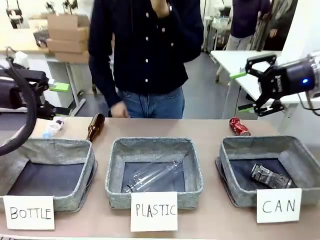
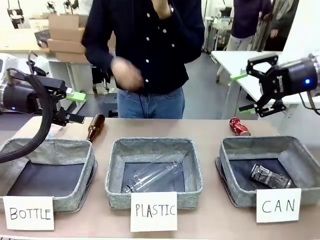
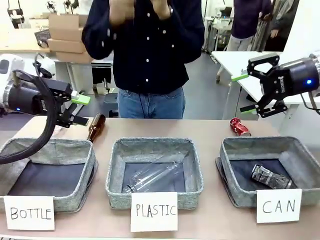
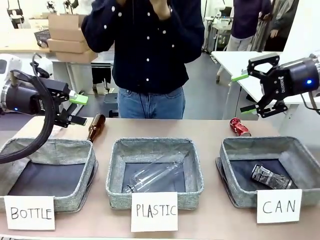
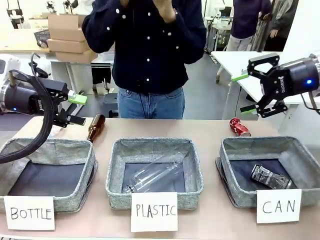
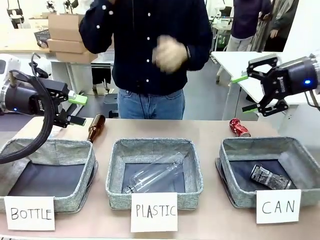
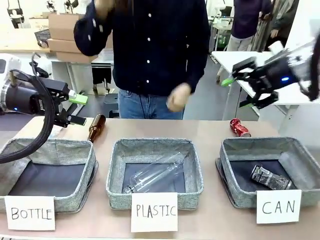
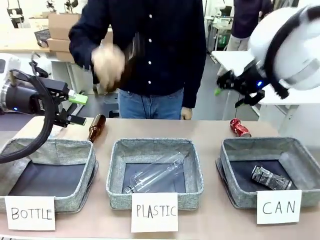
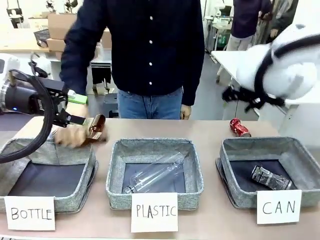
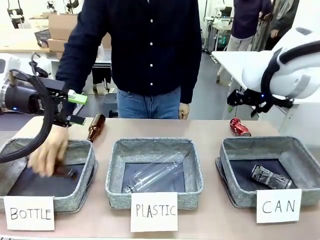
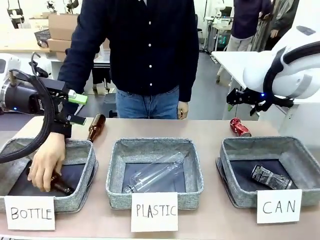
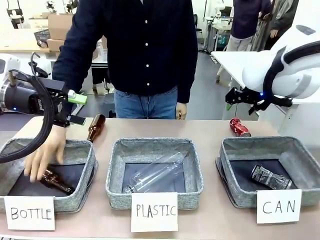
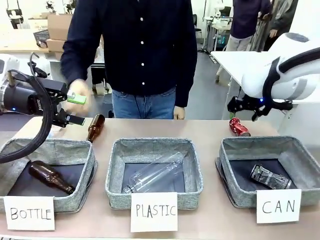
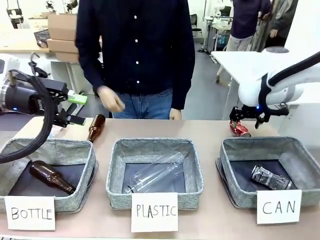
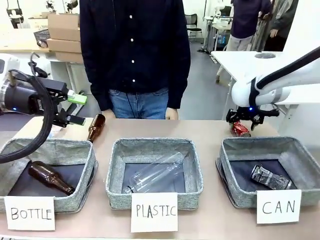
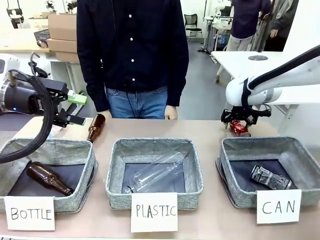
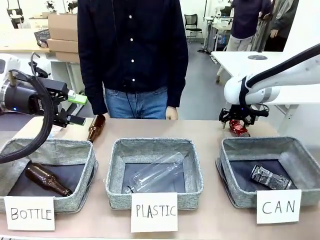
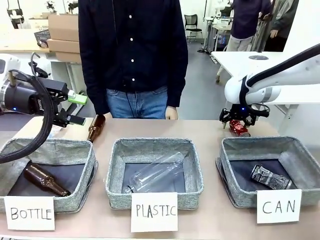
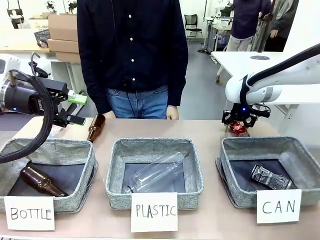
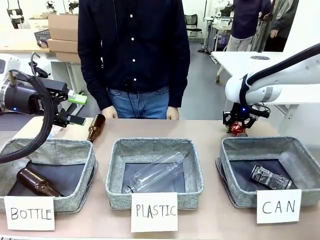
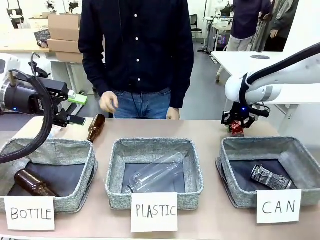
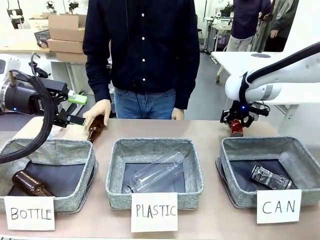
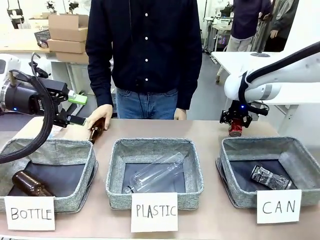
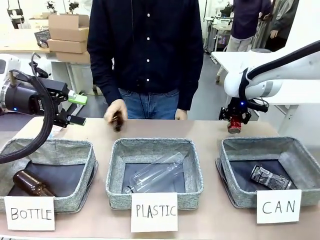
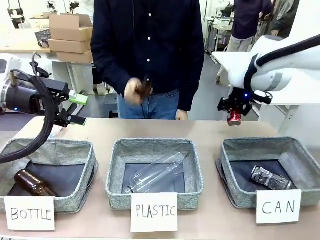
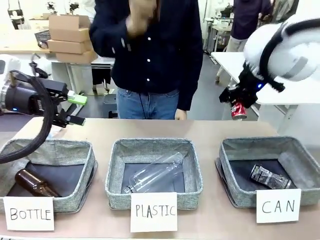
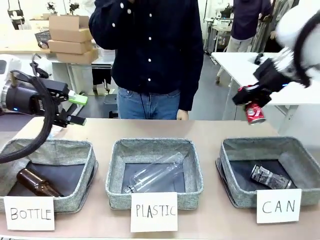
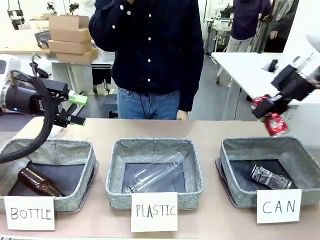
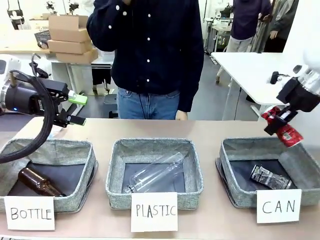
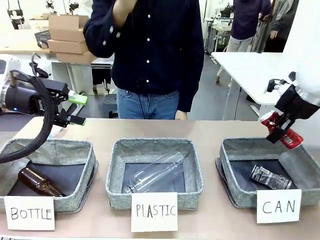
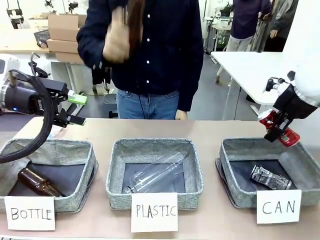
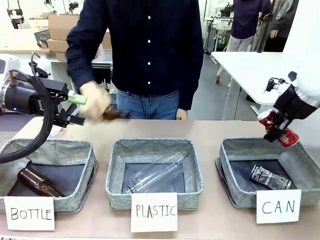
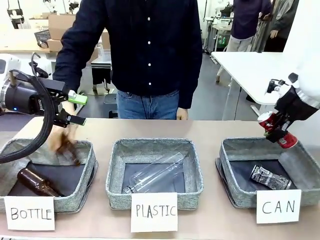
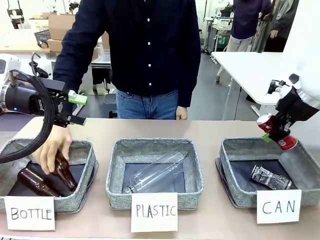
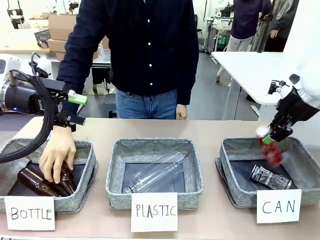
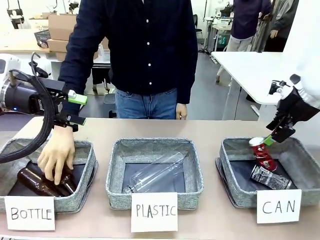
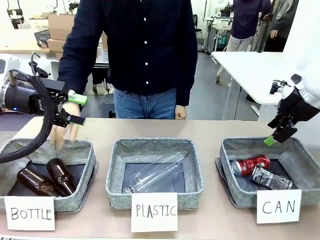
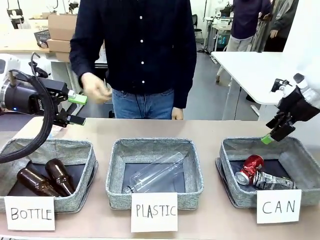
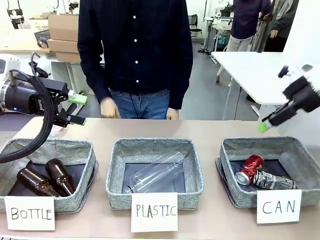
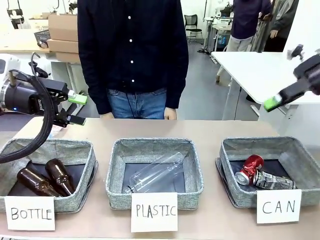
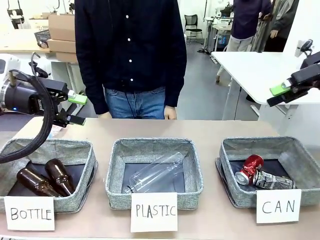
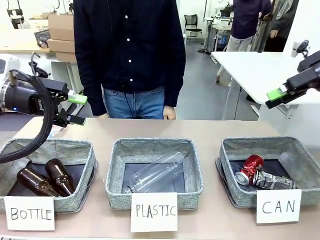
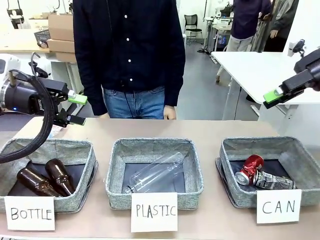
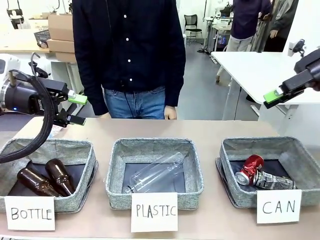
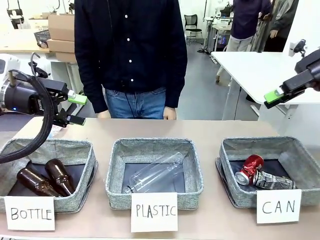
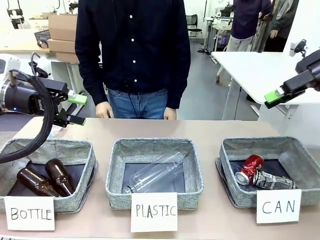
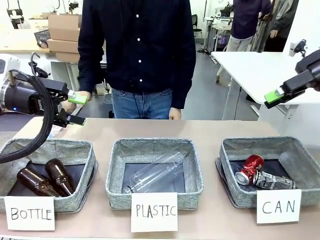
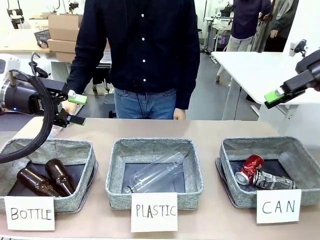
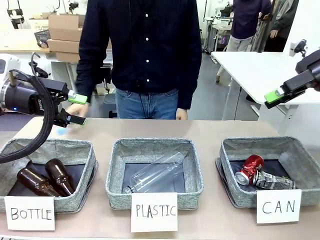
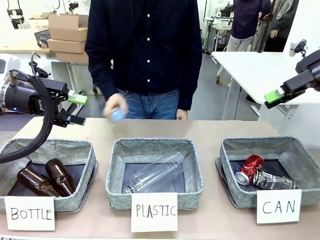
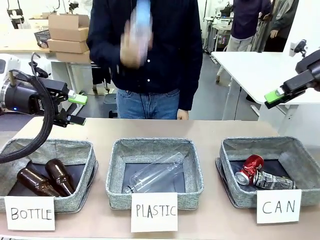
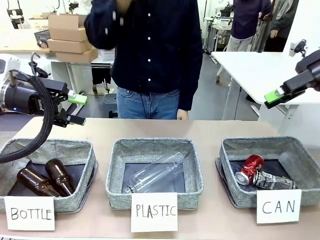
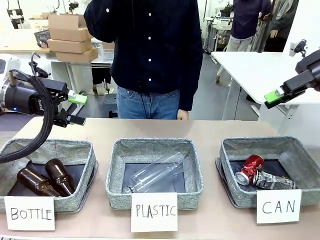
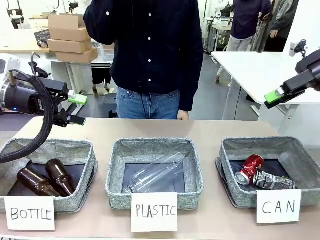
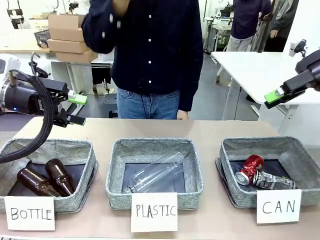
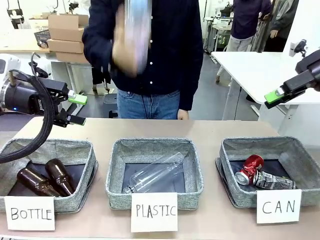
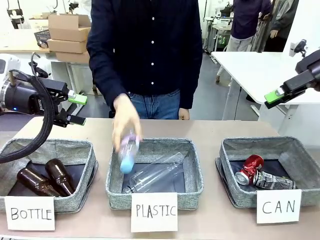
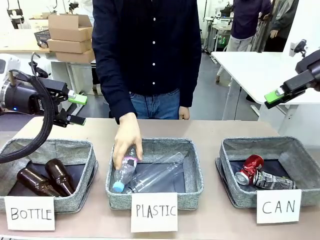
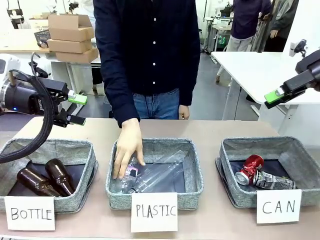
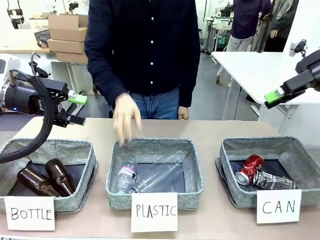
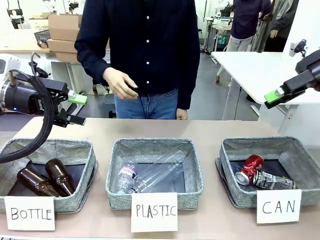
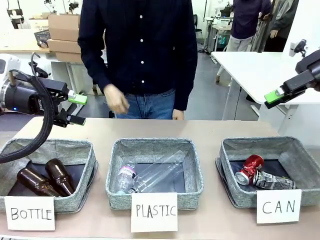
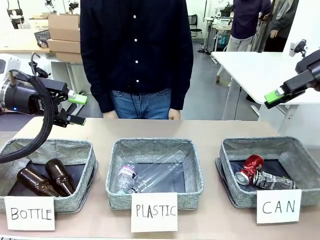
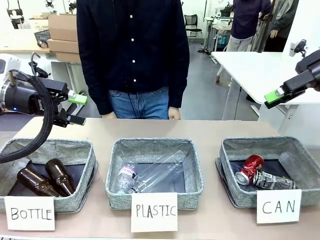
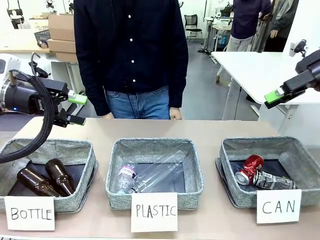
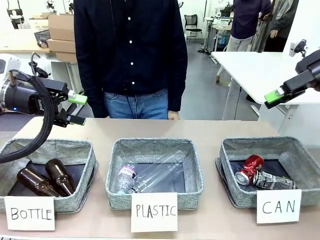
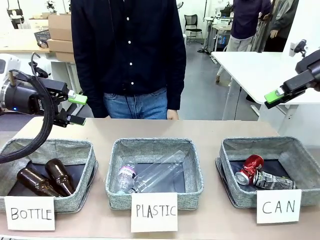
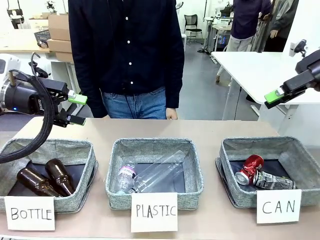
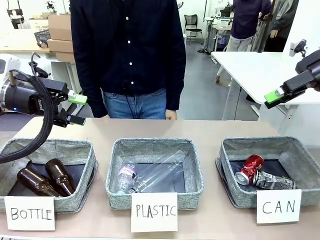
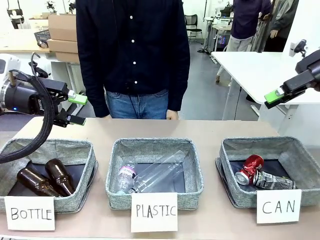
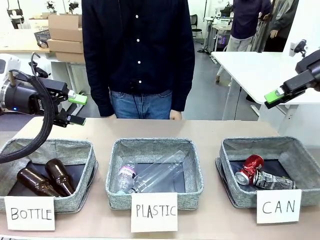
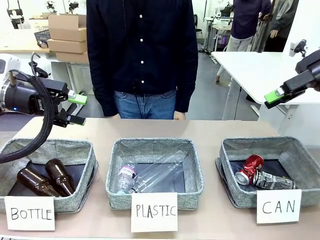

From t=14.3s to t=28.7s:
Task: Sort the can waste into the basket.
Robot: Pick up the can waste from the table and place it in the right Fabric basket.
Person: The human picks up one piece of trash that is not a can and places the trash into the appropriate organizing basket.
